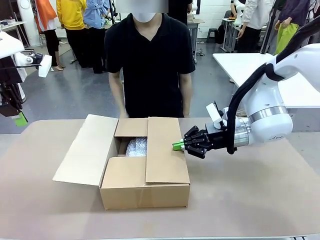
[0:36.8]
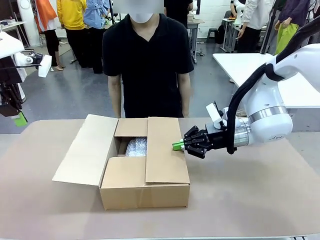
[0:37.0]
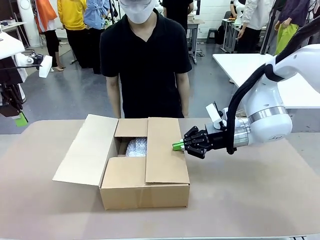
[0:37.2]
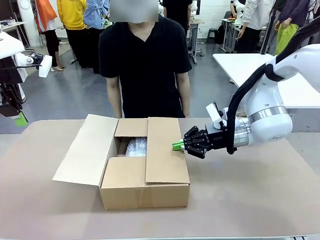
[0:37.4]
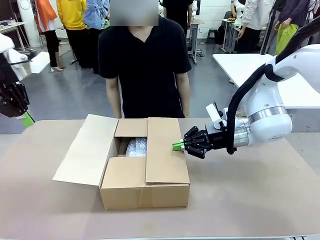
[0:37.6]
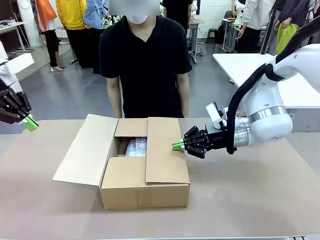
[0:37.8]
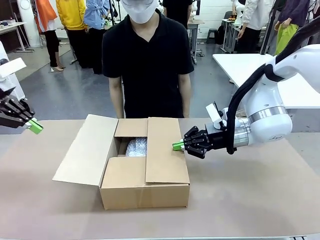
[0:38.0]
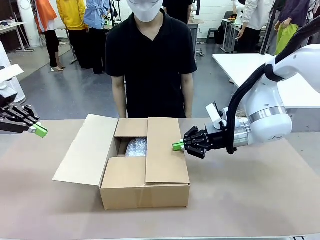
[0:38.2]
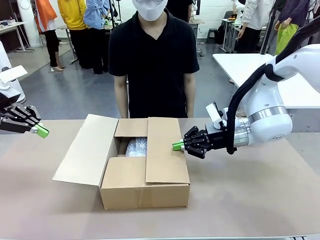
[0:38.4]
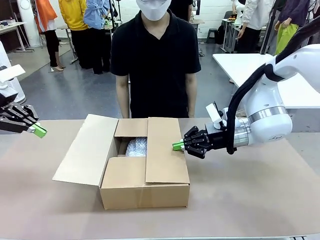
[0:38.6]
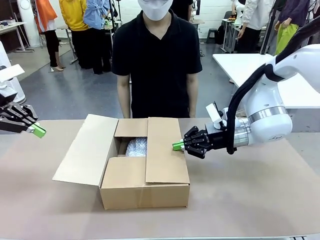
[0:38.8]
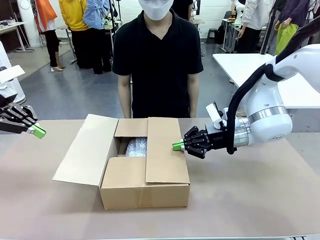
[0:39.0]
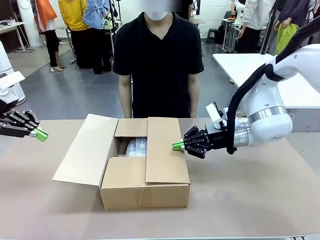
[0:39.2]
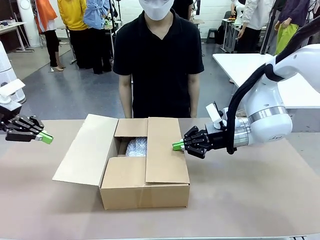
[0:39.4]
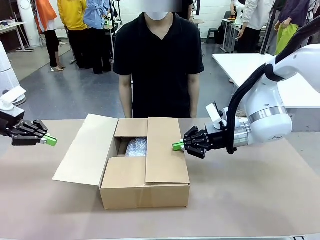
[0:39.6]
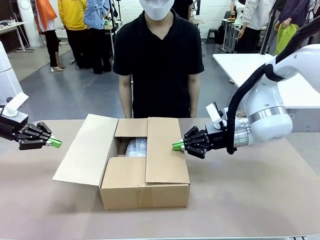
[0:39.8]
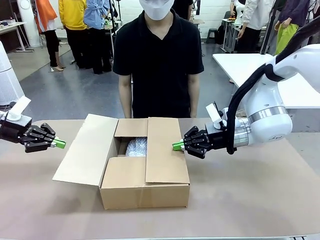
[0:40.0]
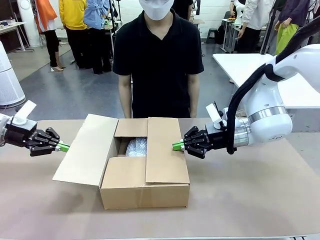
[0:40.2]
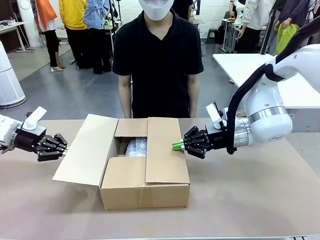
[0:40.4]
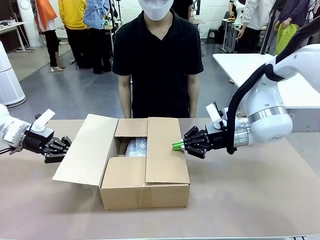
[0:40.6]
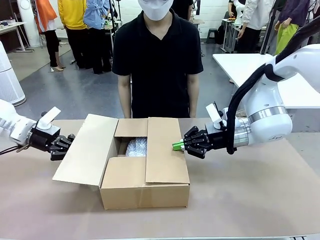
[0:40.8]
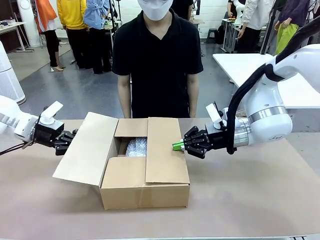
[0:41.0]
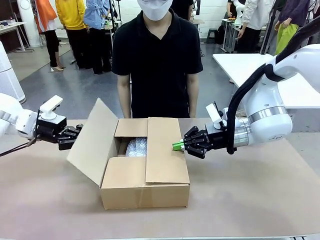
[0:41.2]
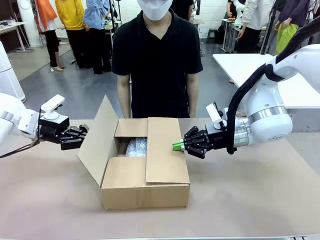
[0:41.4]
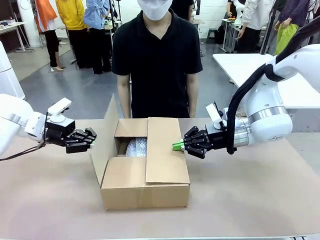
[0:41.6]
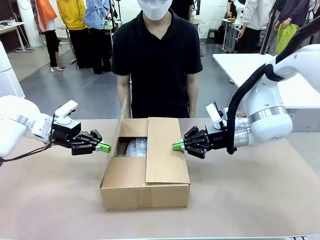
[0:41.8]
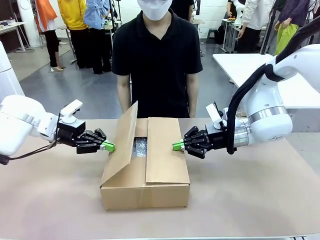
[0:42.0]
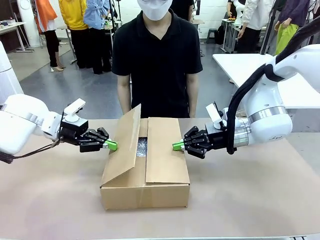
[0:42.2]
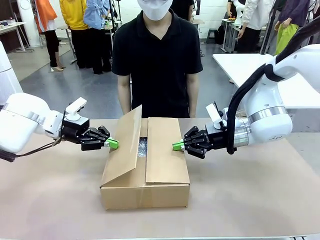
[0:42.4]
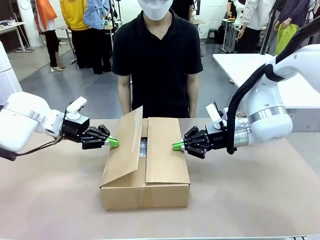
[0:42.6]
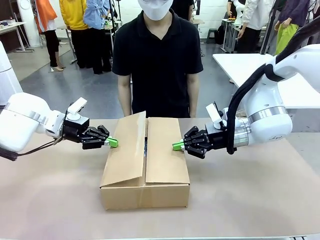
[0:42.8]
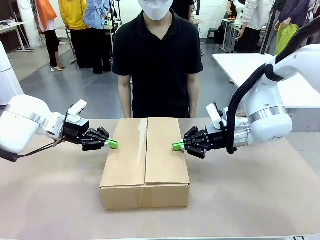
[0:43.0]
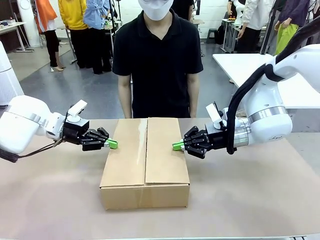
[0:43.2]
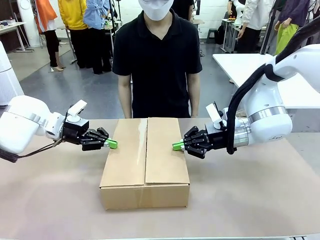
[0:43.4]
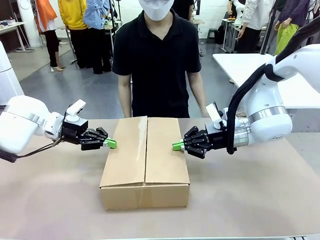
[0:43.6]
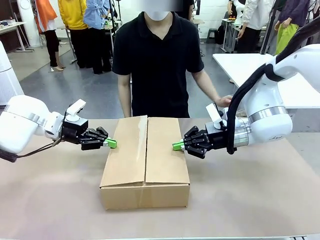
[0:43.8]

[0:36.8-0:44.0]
Task: Wrap the clocks to prevent damage.
Robot: Push the left (or right) flap of the Package Box to close it.

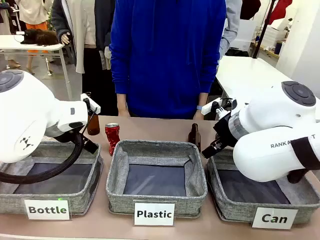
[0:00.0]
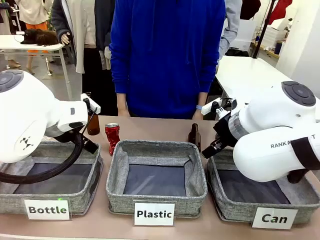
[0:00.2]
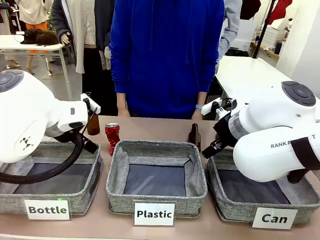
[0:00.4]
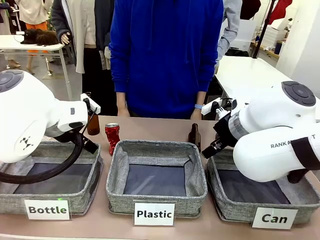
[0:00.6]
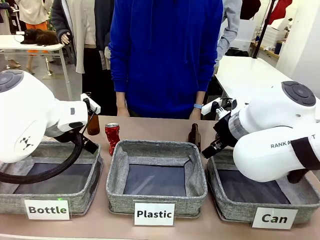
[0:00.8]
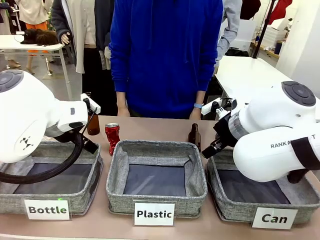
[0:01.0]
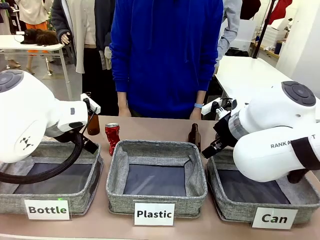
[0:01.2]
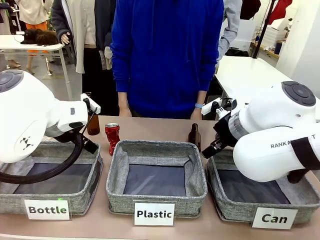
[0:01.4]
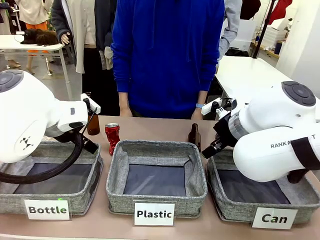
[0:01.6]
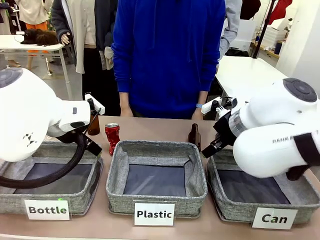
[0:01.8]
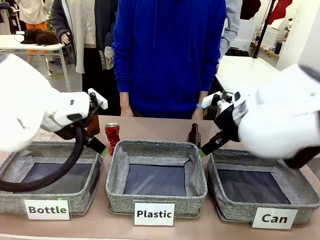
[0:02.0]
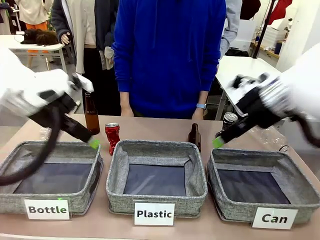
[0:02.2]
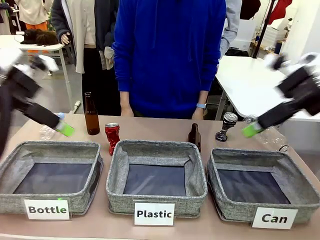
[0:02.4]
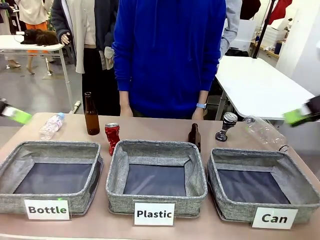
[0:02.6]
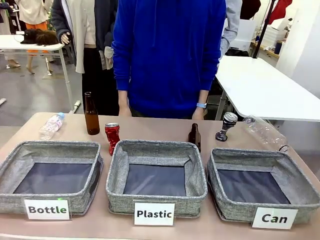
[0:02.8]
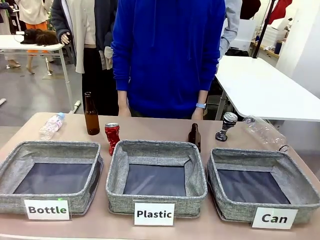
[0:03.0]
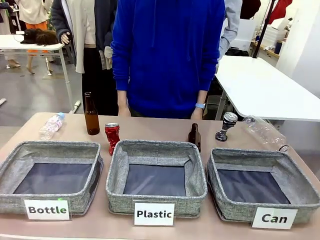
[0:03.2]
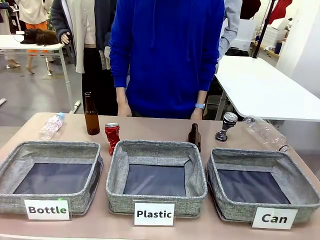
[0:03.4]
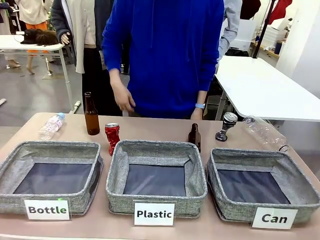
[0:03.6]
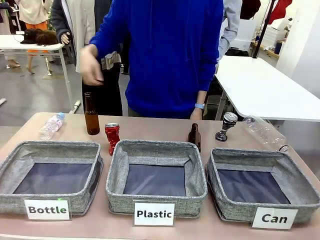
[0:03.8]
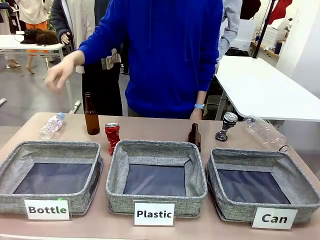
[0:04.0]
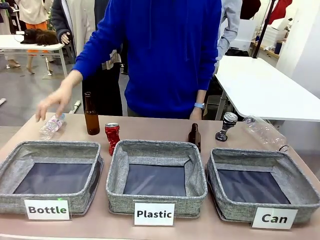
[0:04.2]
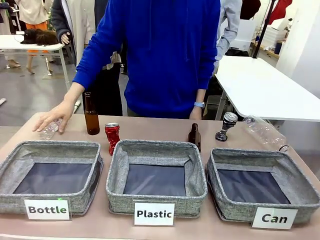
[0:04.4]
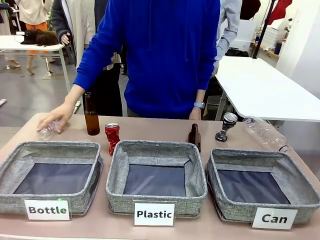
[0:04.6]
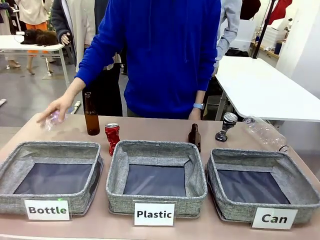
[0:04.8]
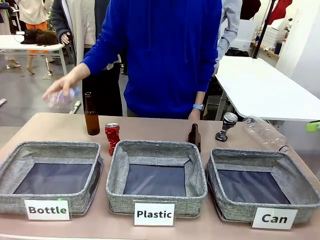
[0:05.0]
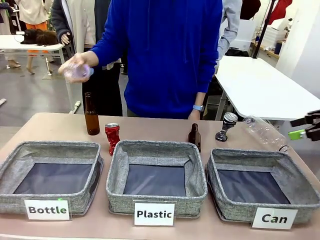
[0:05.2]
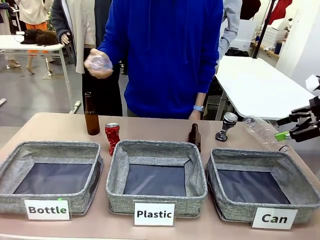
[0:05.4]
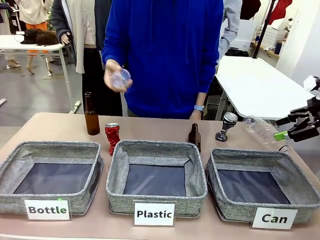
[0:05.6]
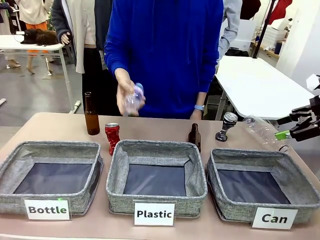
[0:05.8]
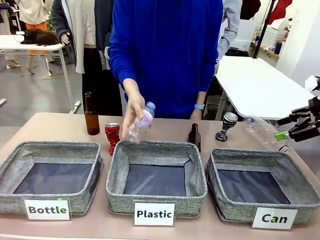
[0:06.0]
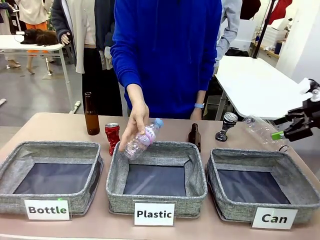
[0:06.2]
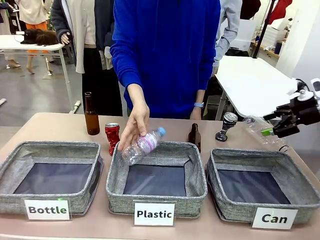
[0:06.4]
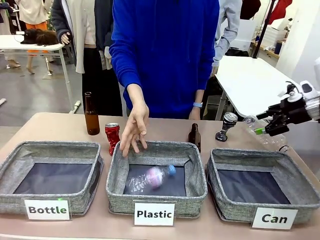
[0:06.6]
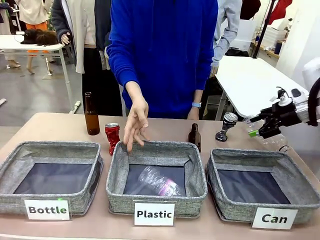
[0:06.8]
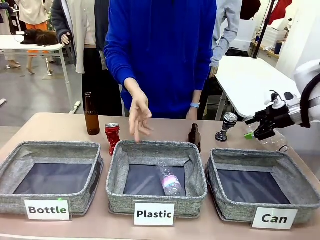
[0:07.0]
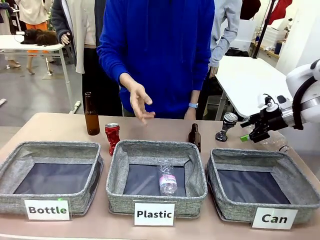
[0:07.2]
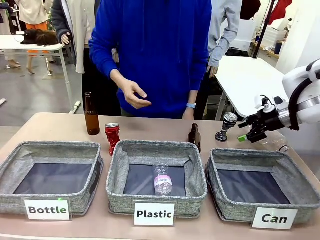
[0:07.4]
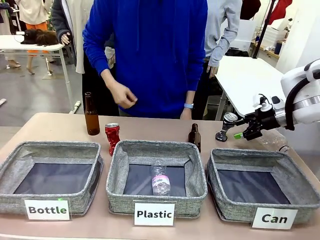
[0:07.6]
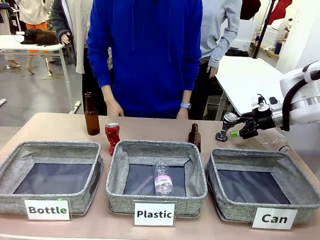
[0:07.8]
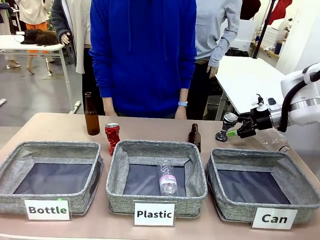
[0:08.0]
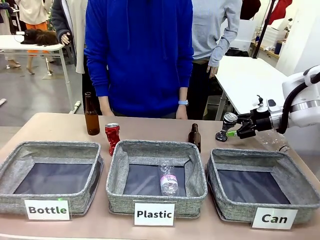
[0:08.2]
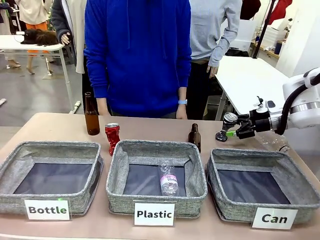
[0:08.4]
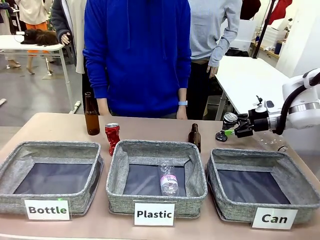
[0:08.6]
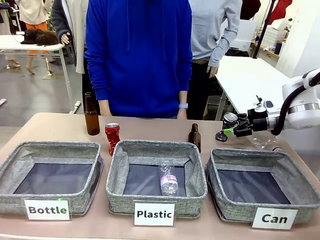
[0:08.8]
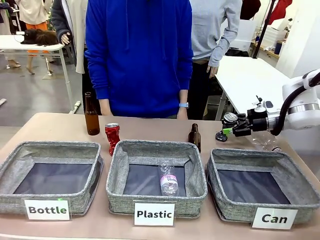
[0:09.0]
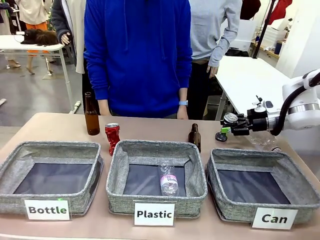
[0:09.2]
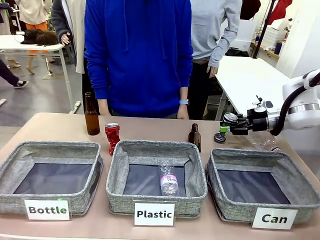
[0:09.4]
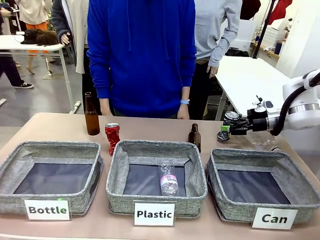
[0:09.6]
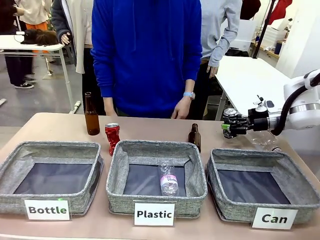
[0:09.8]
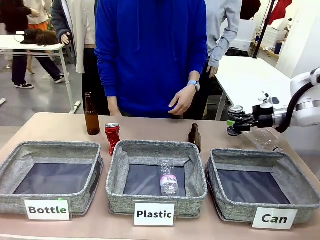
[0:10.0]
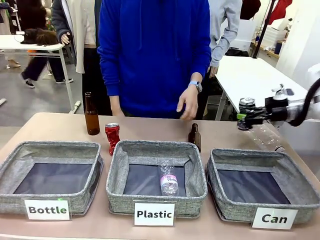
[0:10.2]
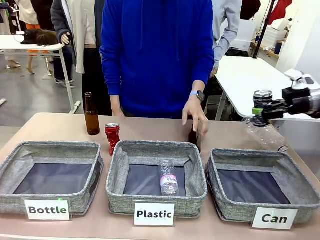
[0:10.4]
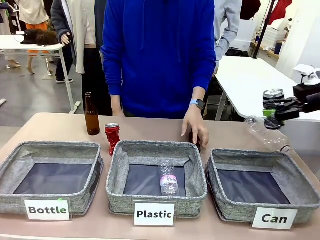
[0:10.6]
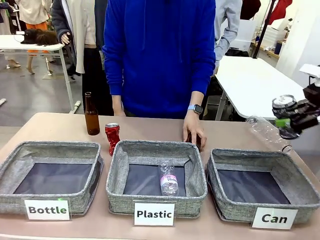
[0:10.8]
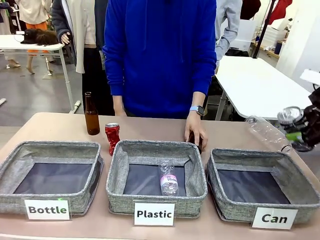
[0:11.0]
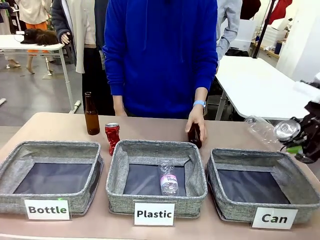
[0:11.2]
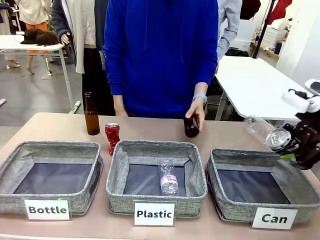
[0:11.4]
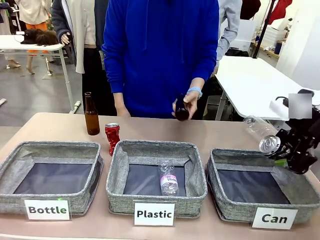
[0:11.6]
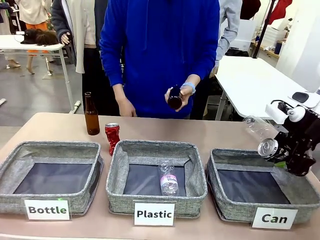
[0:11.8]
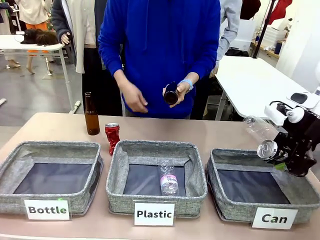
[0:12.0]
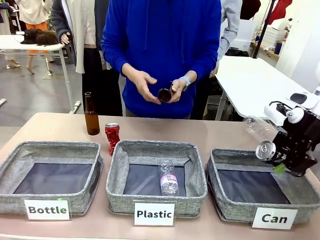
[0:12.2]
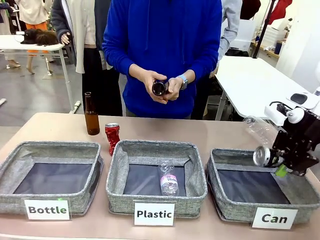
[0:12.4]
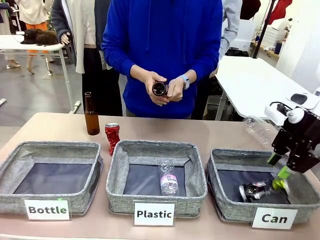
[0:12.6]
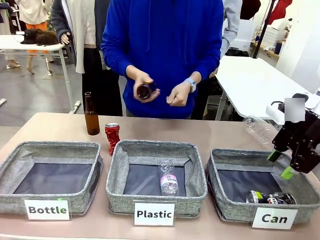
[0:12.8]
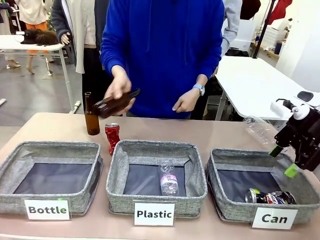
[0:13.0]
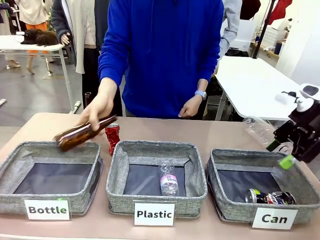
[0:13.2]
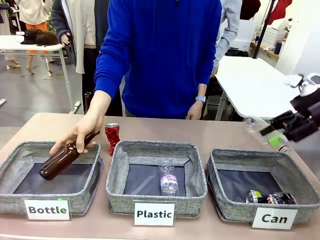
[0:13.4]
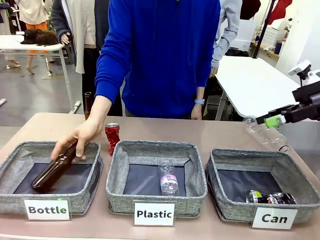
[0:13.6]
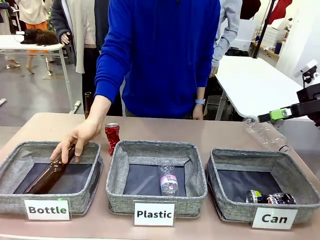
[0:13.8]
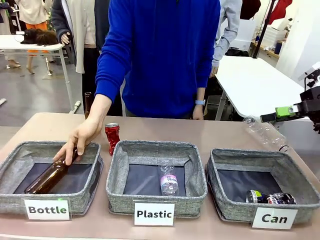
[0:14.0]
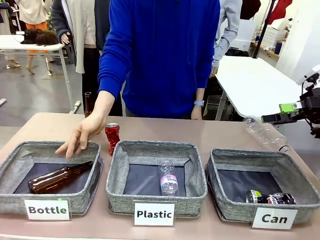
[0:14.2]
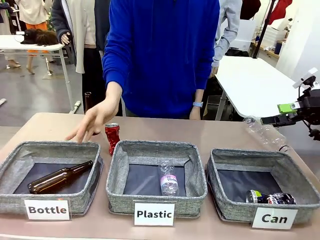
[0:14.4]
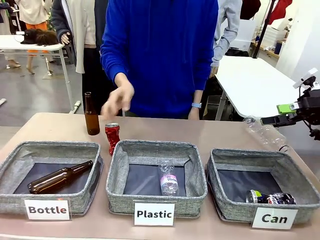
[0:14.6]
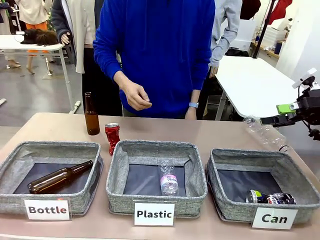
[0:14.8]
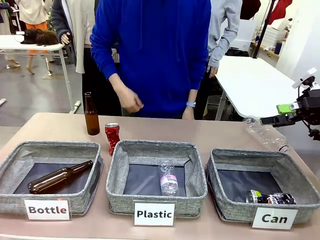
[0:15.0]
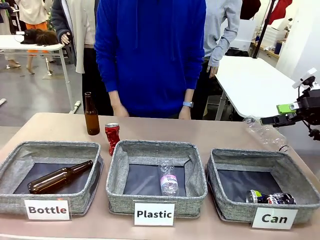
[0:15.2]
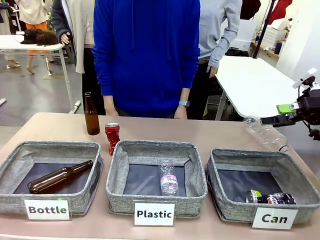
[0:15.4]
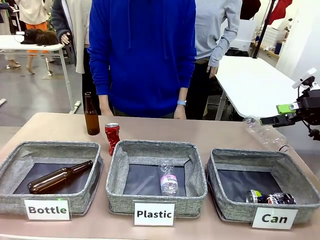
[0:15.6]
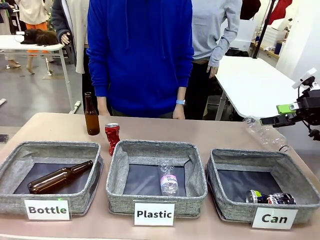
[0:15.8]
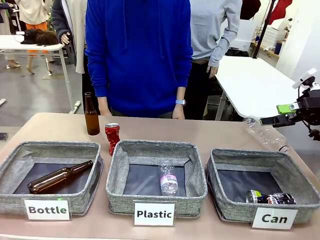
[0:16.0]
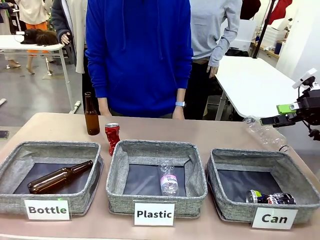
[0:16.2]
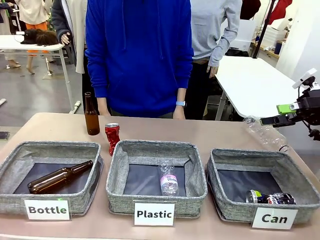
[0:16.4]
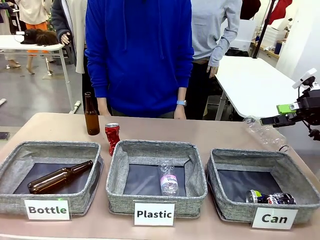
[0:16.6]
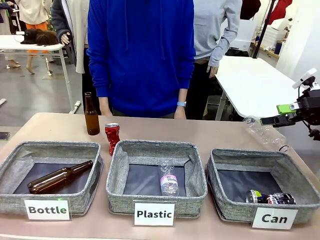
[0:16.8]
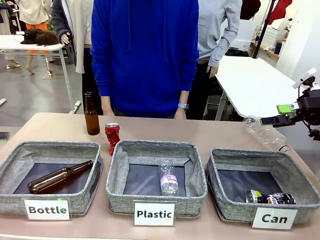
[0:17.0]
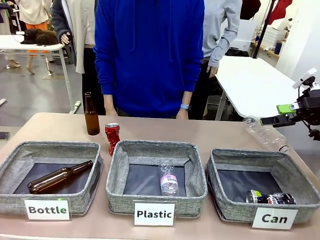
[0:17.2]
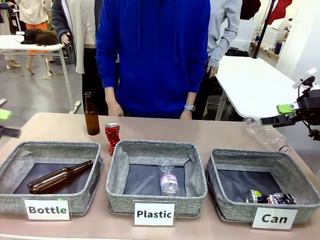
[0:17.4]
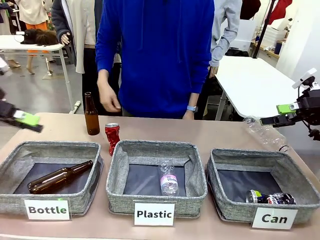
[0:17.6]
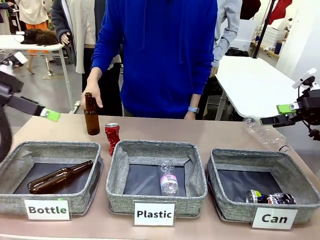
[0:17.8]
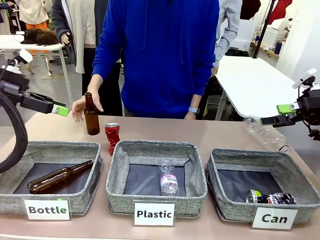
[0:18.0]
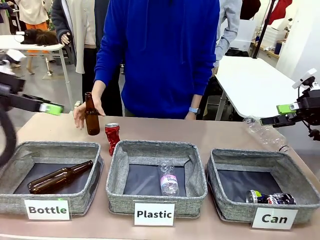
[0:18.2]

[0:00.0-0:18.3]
Task: Sort the can waste into the basket.
Robot: Pick up the can waste from the table and place it in the right Fabric basket.
